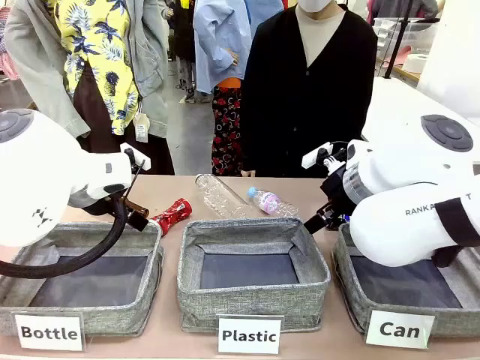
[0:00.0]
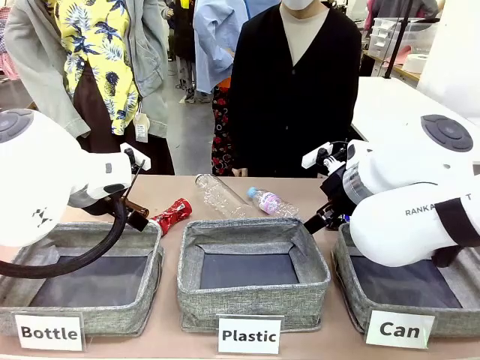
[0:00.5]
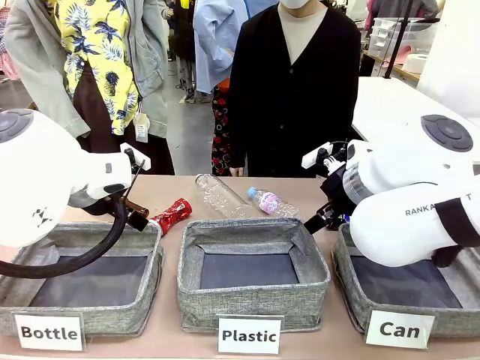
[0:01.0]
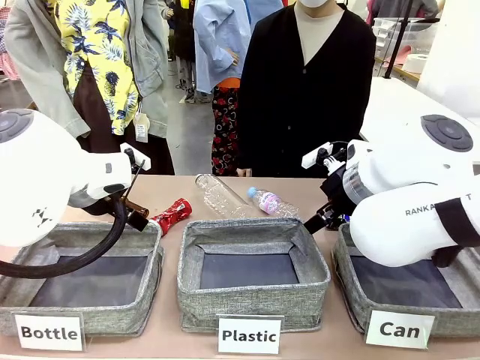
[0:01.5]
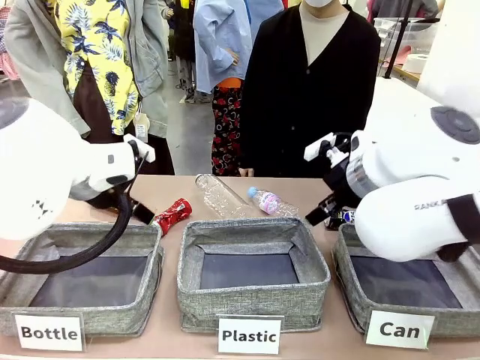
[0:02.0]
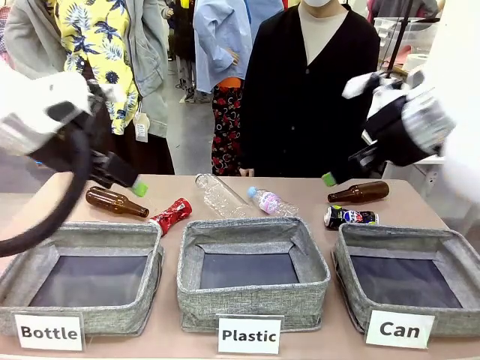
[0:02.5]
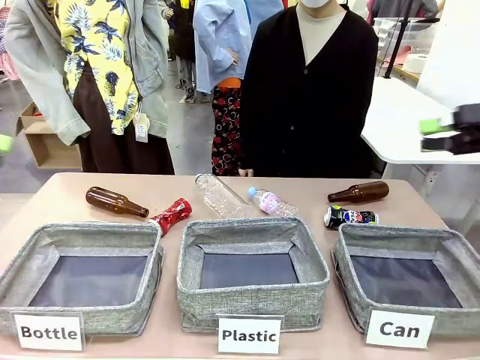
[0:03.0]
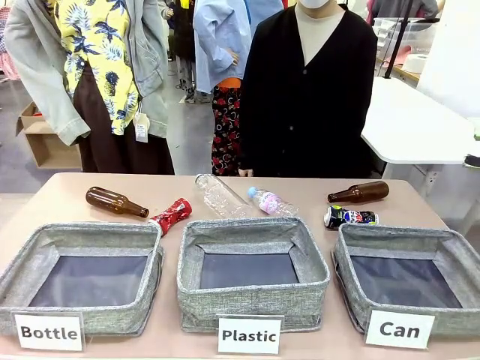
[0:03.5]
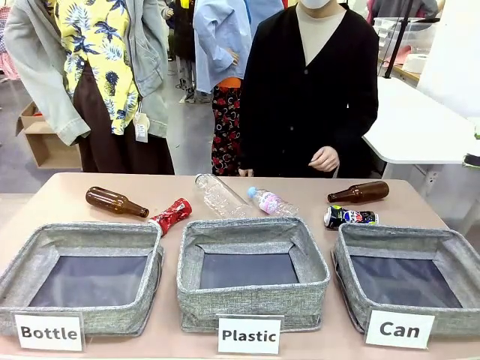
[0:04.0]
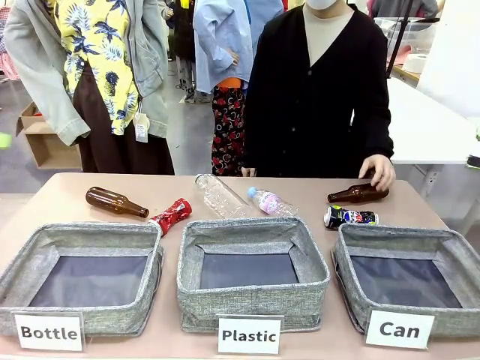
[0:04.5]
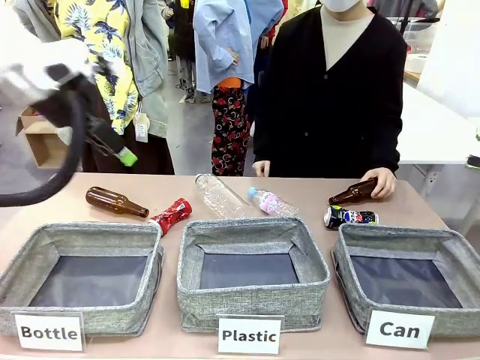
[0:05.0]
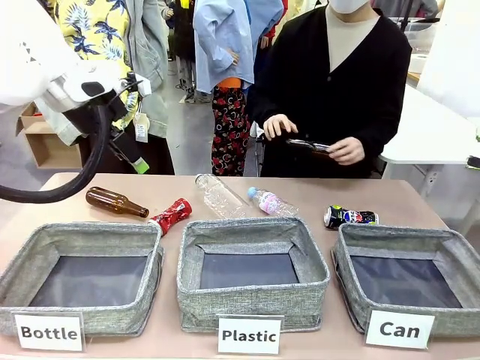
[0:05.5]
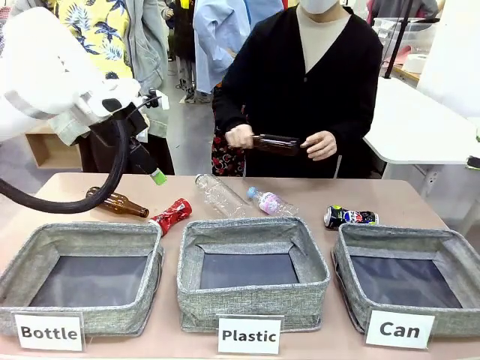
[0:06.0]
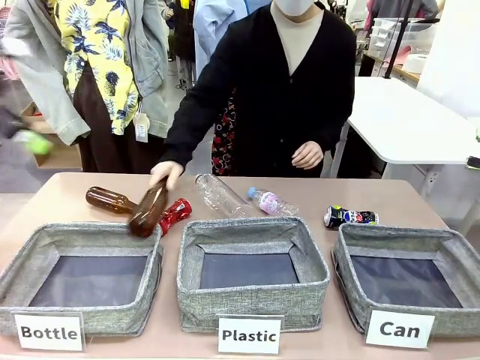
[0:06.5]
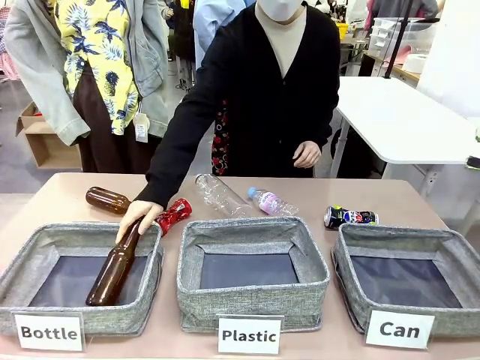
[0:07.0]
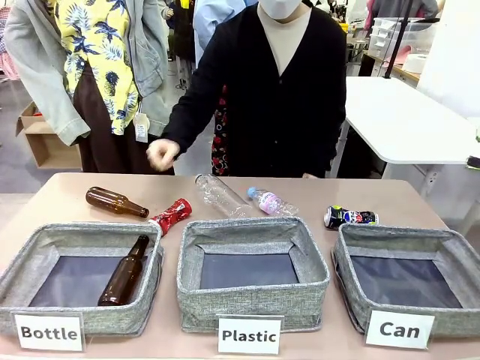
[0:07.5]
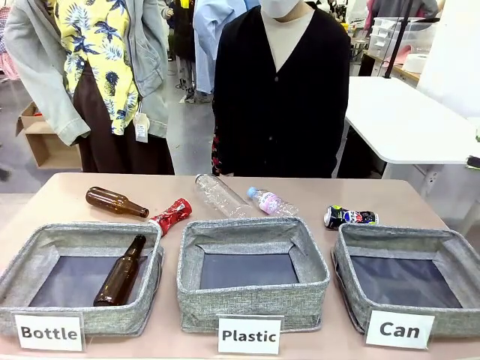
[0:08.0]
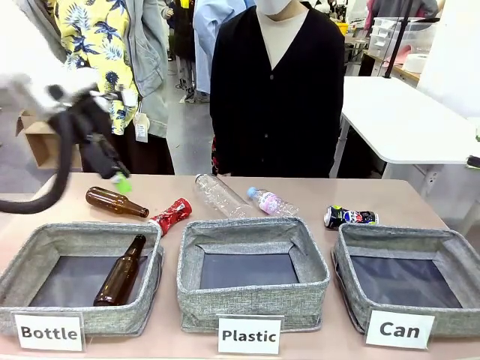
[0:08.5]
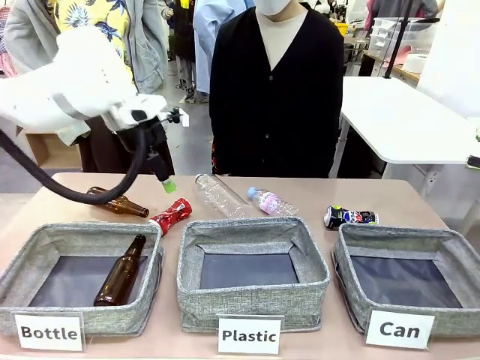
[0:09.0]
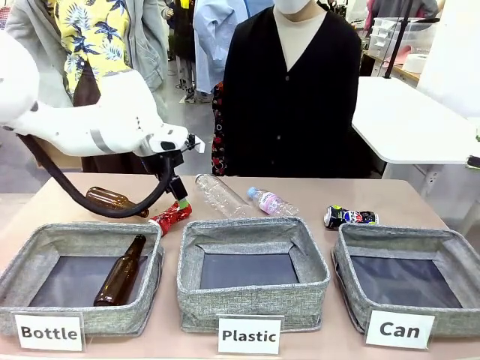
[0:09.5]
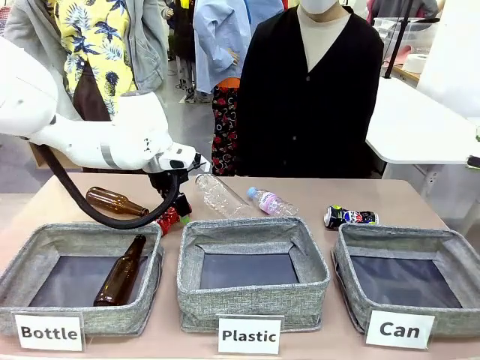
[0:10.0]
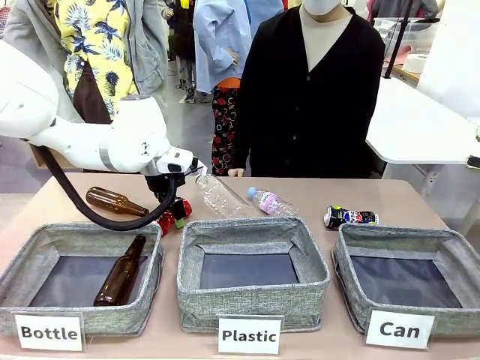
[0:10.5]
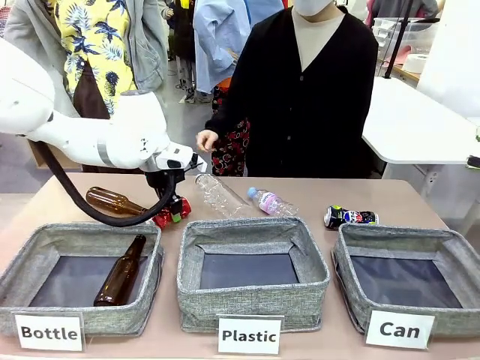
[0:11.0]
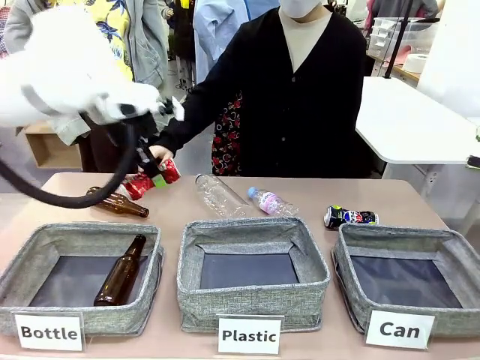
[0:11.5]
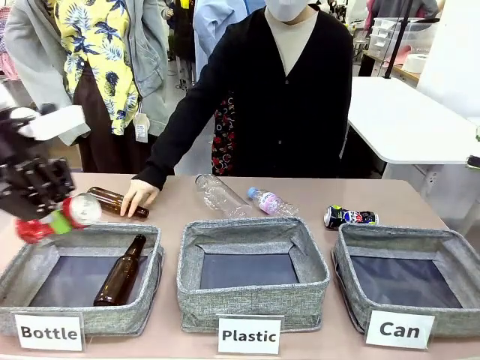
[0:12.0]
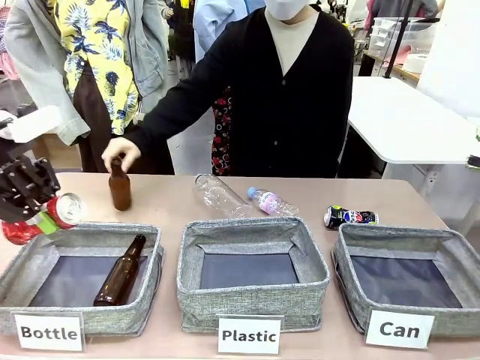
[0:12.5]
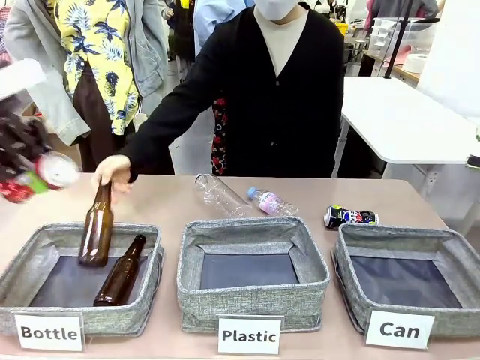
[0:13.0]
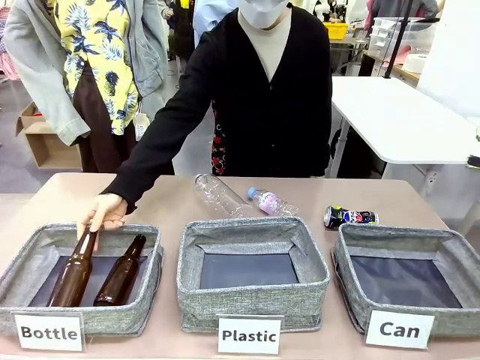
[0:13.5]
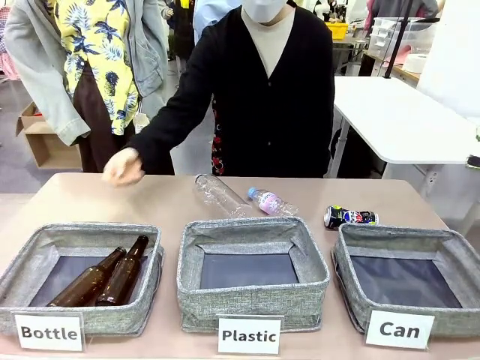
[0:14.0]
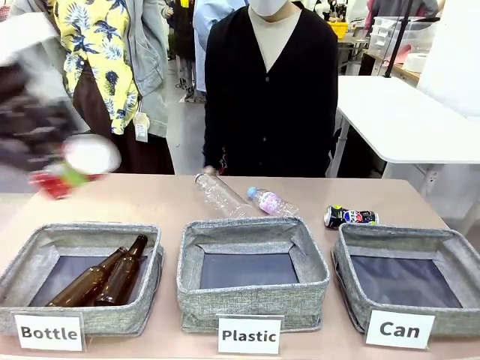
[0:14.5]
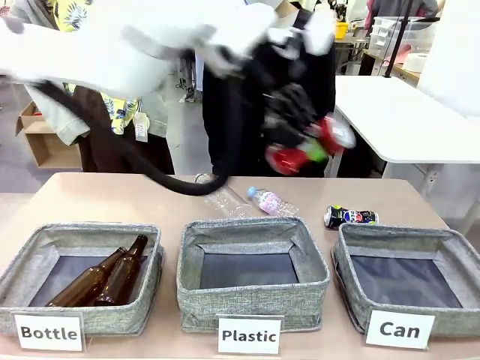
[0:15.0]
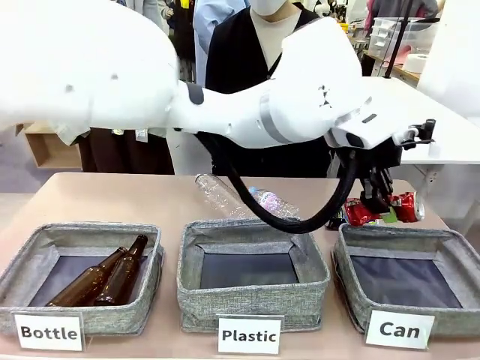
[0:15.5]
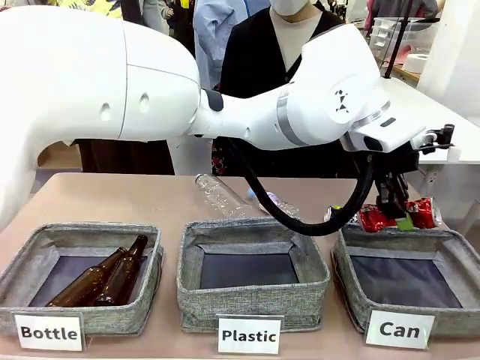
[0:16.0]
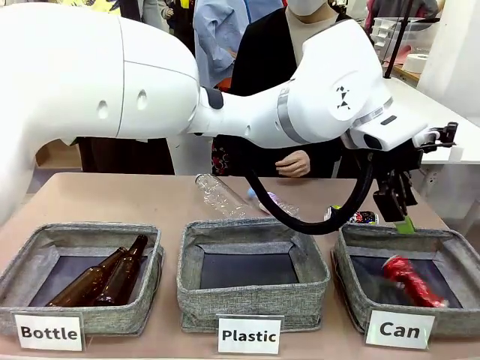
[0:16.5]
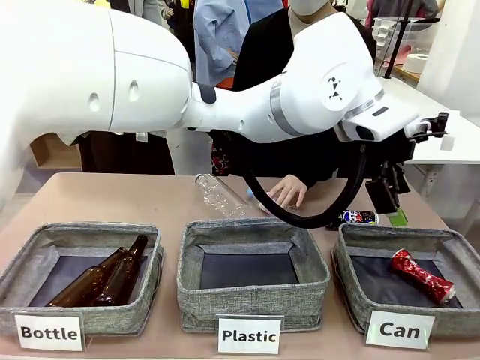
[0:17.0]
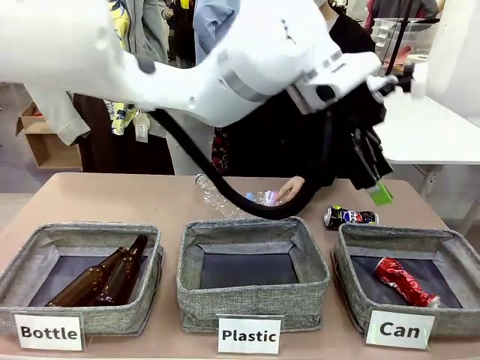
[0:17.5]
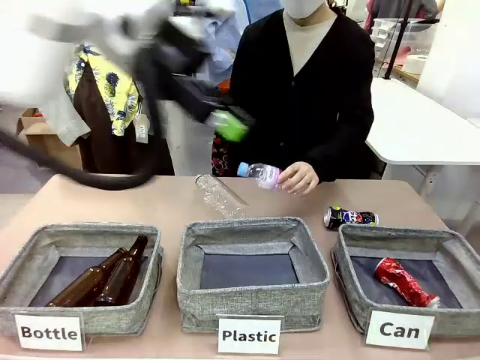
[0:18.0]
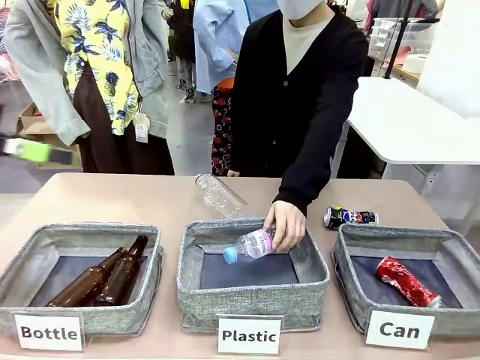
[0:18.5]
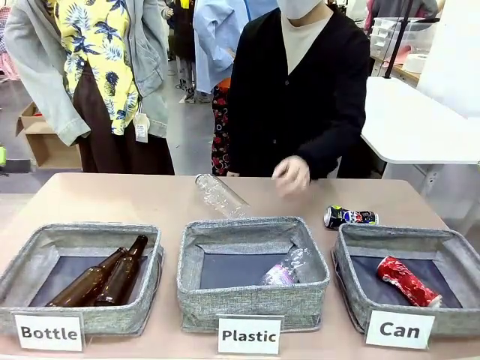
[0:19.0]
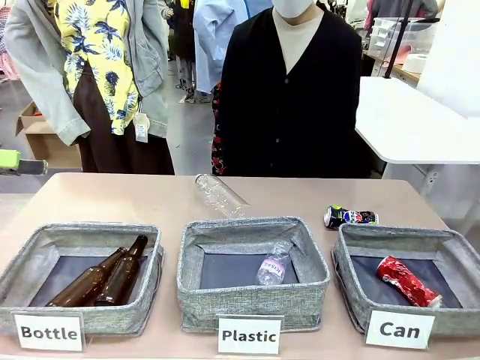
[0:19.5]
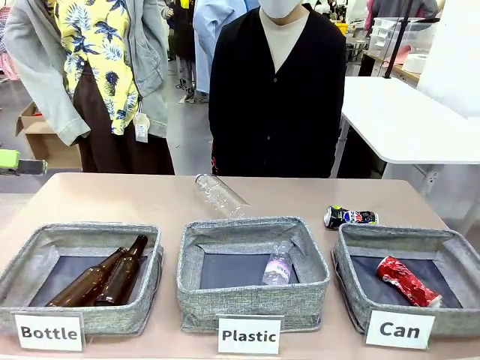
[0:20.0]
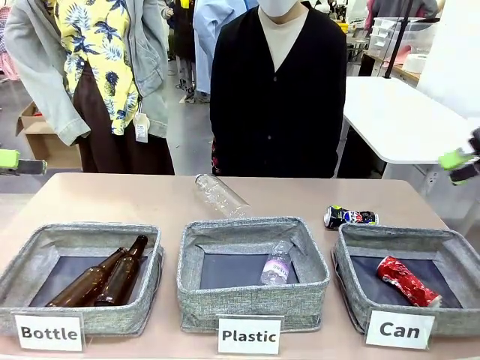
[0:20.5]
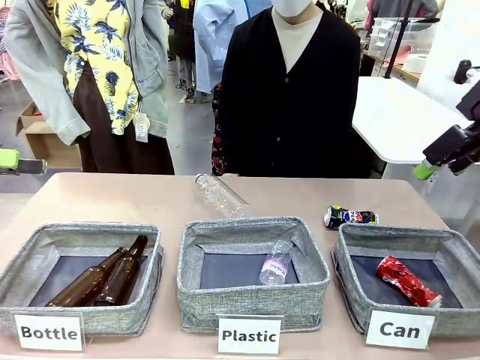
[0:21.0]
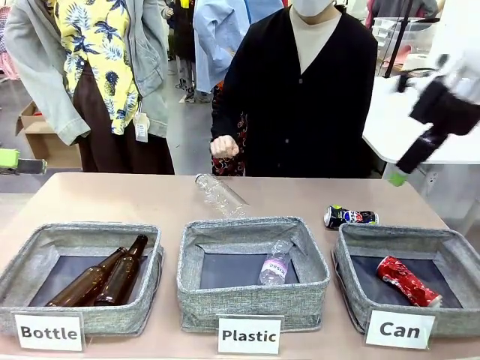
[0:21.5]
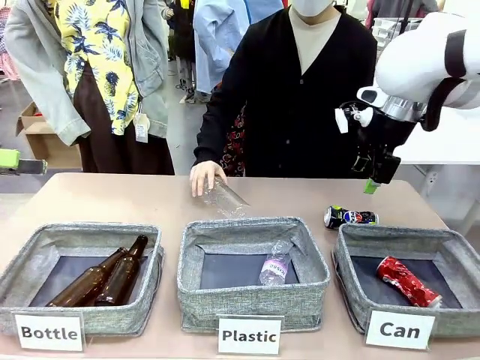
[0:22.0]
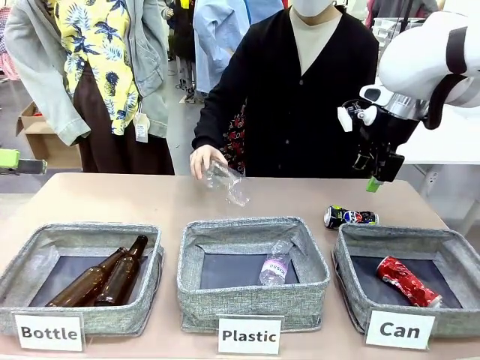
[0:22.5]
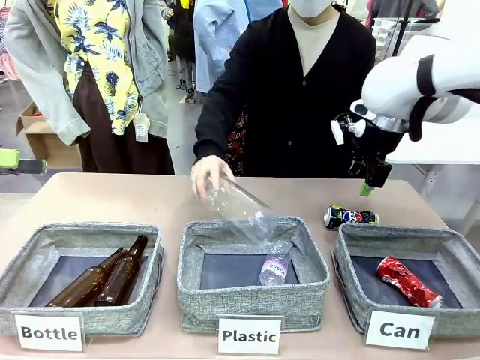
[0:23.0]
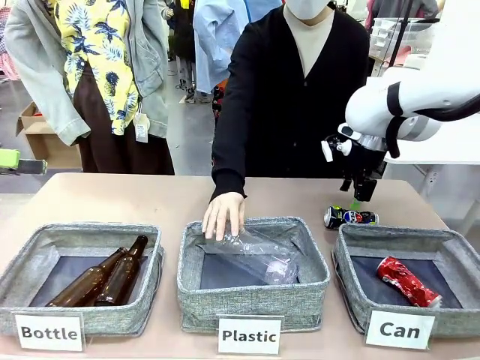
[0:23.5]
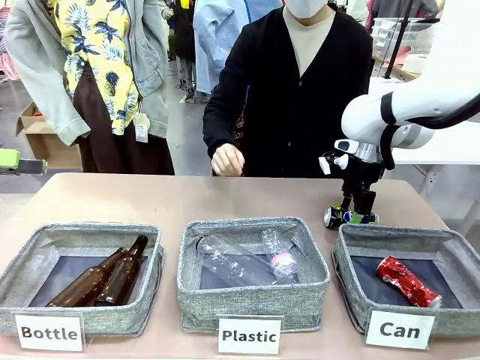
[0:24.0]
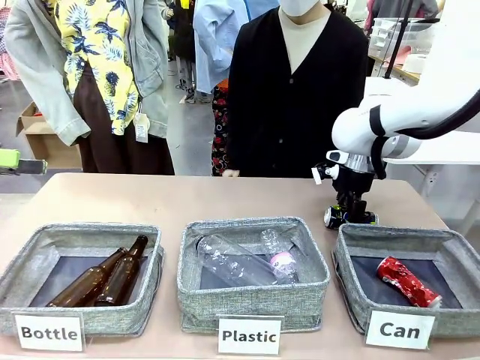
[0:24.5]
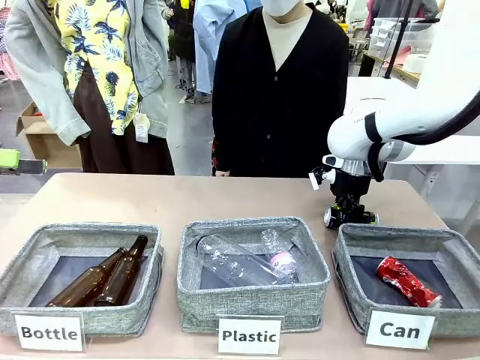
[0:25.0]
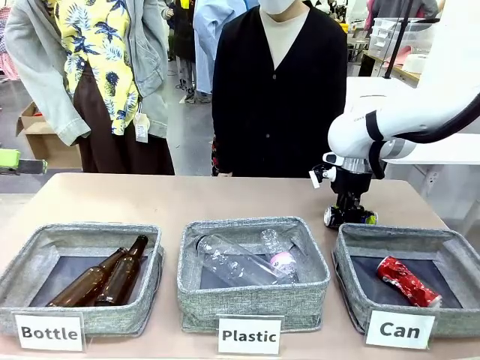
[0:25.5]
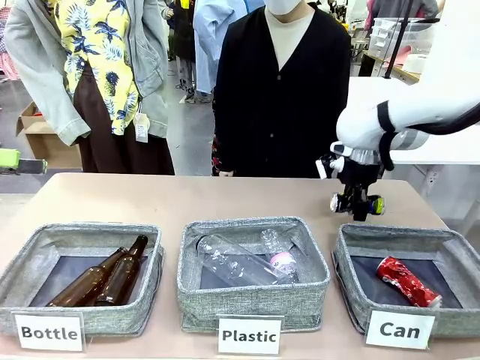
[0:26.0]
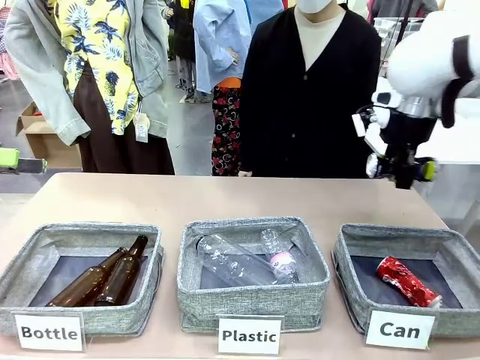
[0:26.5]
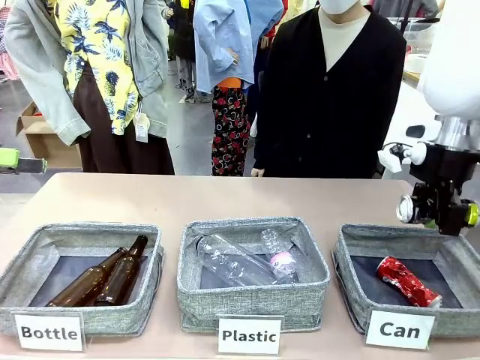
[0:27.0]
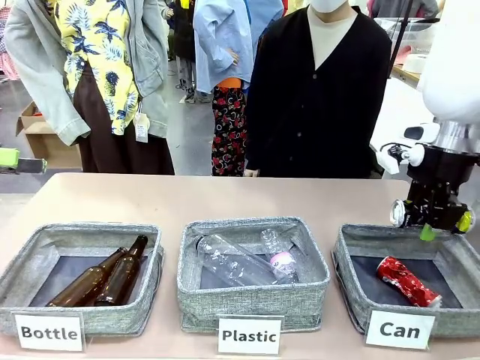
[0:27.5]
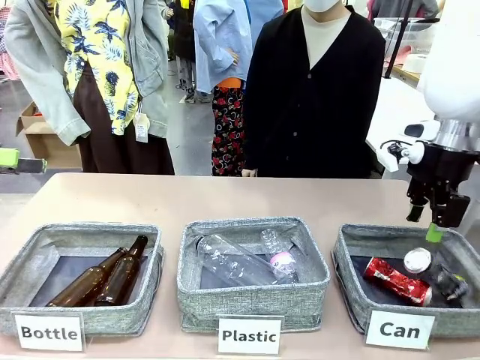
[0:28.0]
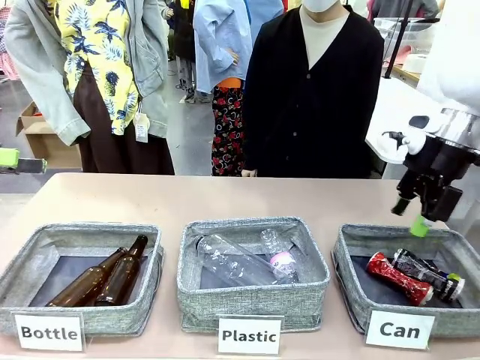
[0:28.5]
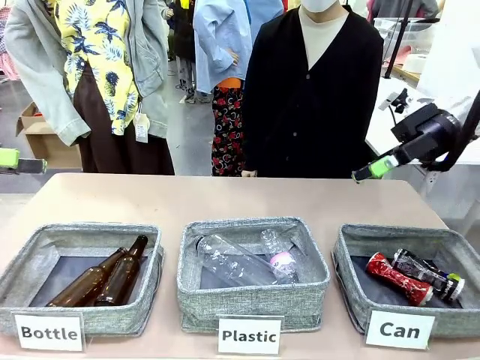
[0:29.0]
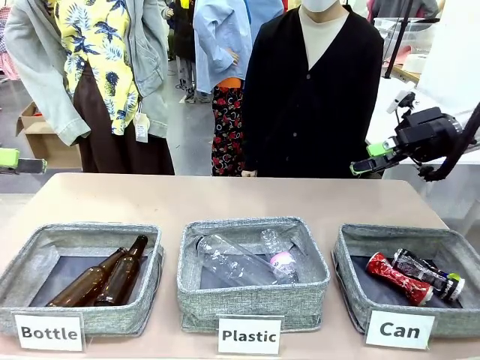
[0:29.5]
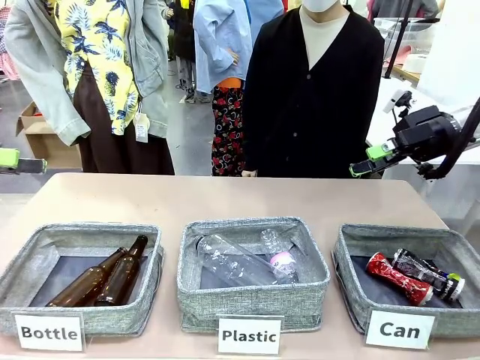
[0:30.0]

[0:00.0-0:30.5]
Task: Sort the can waste into the basket.
Robot: Pick up the can waste from the table and place it in the right Fabric basket.
Person: The human picks up one piece of trash that is not a can and places the trash into the appropriate organizing basket.
